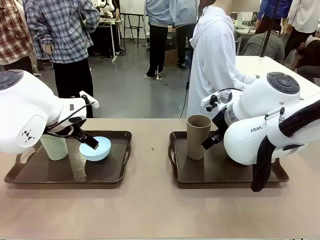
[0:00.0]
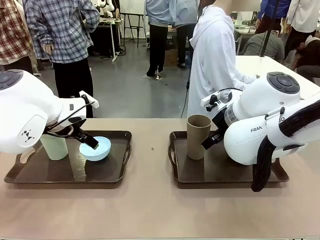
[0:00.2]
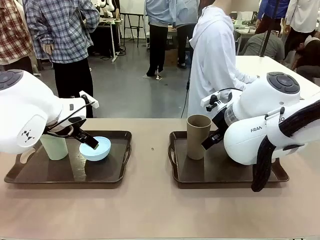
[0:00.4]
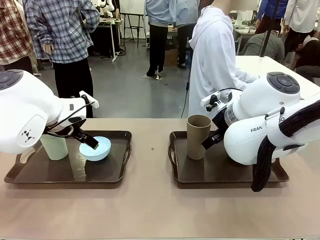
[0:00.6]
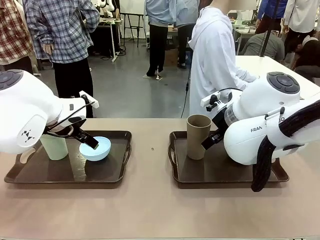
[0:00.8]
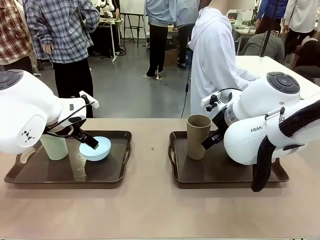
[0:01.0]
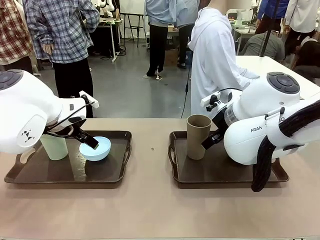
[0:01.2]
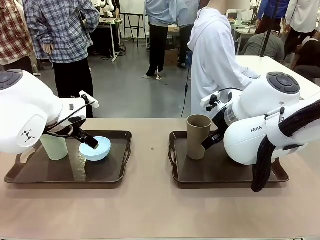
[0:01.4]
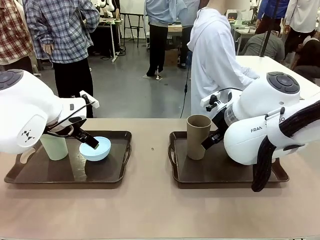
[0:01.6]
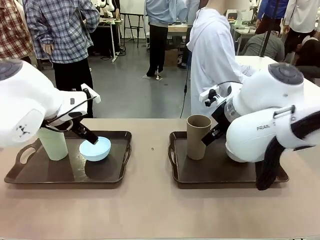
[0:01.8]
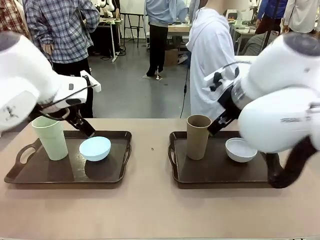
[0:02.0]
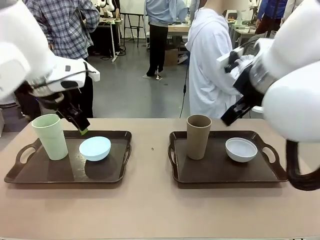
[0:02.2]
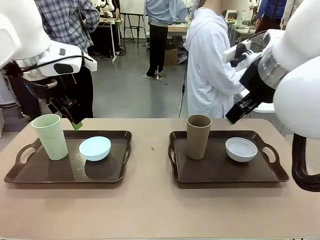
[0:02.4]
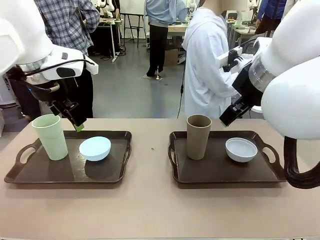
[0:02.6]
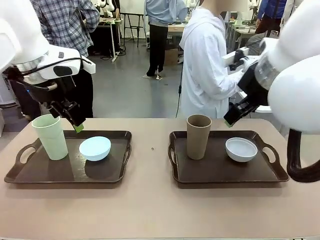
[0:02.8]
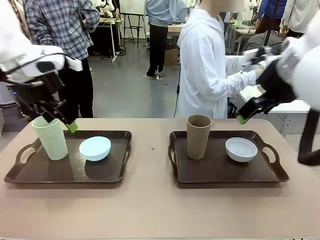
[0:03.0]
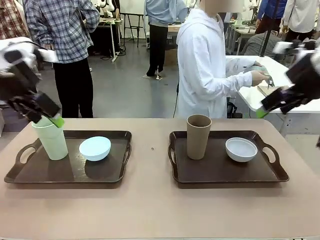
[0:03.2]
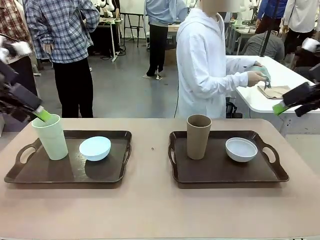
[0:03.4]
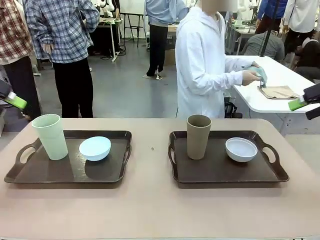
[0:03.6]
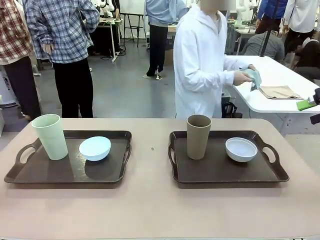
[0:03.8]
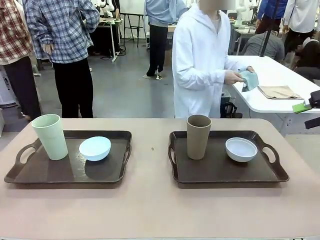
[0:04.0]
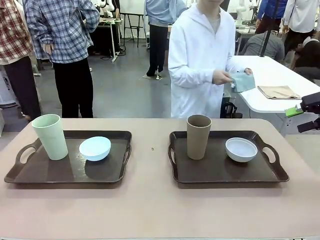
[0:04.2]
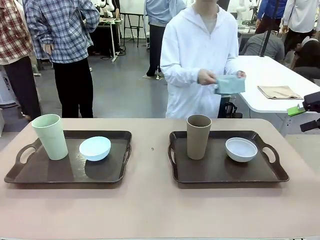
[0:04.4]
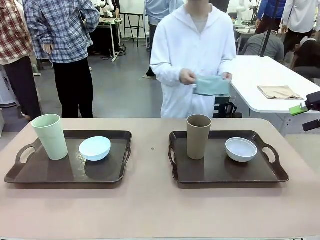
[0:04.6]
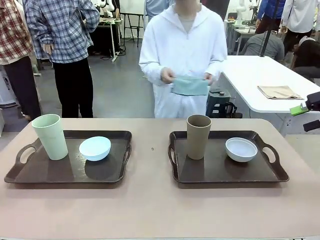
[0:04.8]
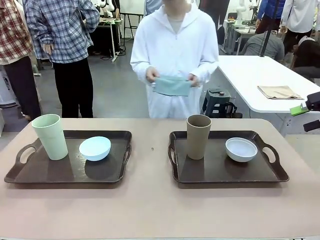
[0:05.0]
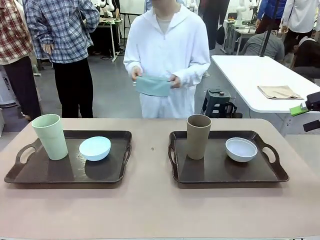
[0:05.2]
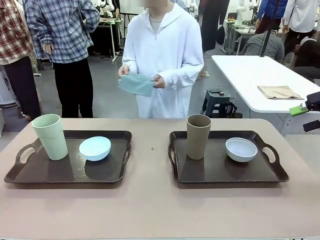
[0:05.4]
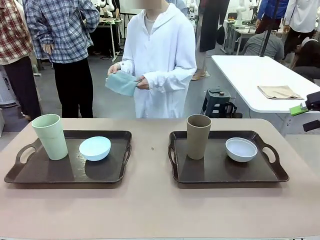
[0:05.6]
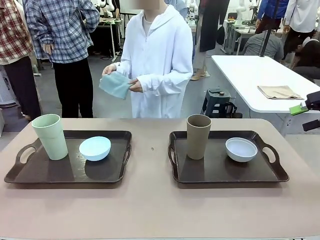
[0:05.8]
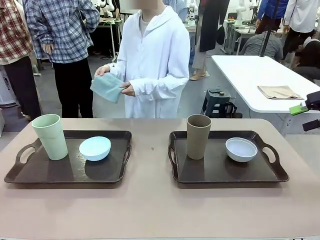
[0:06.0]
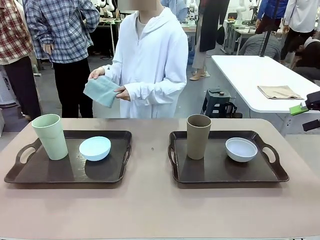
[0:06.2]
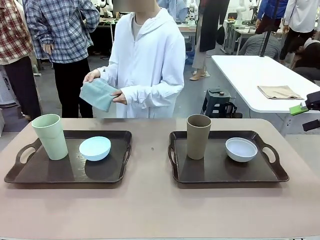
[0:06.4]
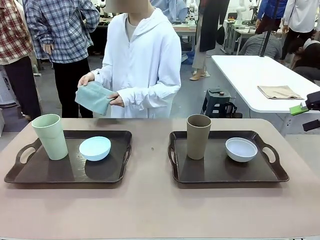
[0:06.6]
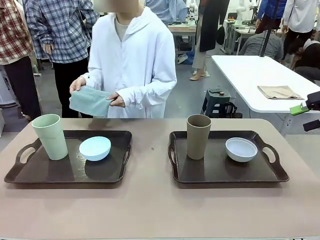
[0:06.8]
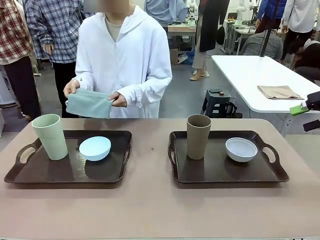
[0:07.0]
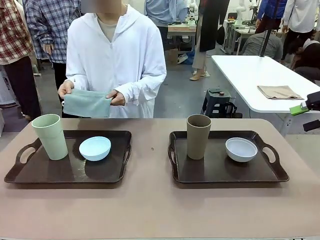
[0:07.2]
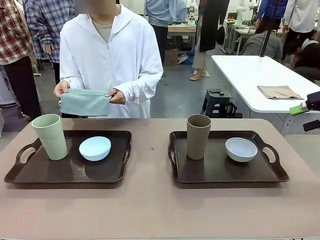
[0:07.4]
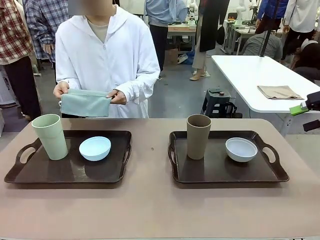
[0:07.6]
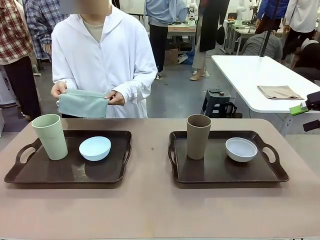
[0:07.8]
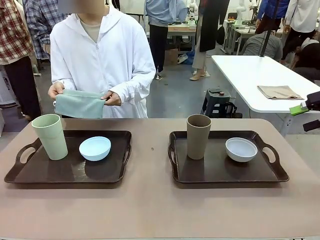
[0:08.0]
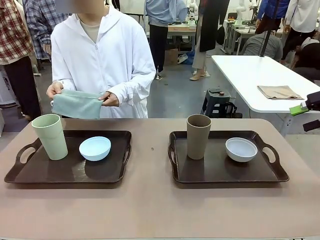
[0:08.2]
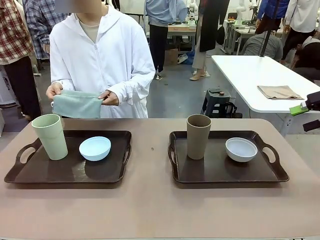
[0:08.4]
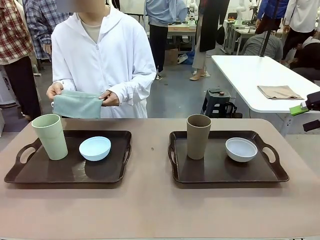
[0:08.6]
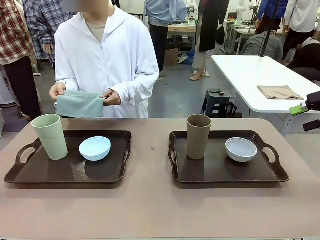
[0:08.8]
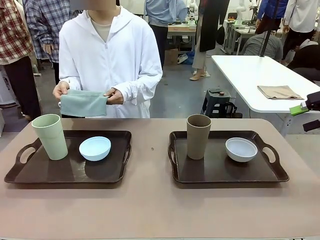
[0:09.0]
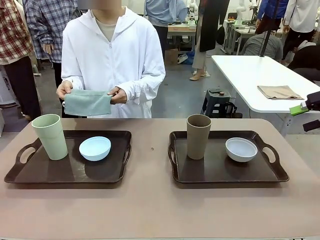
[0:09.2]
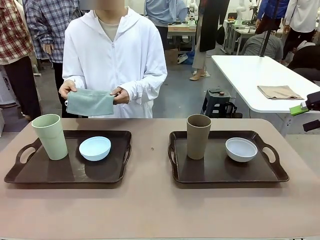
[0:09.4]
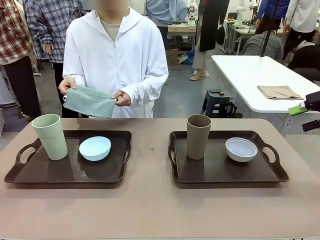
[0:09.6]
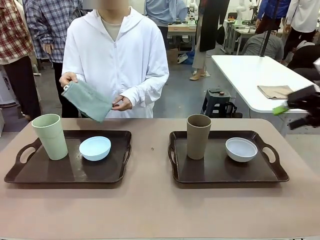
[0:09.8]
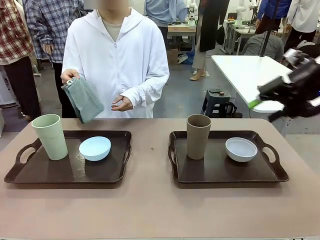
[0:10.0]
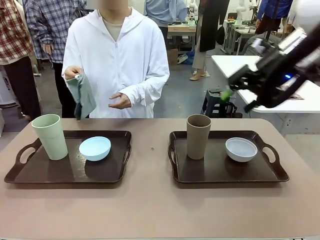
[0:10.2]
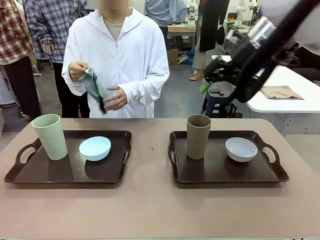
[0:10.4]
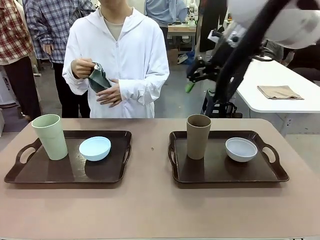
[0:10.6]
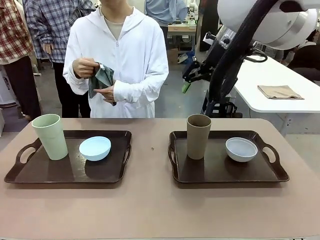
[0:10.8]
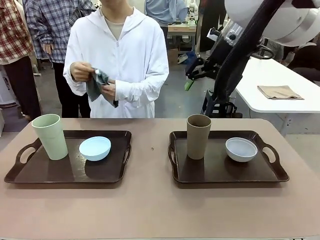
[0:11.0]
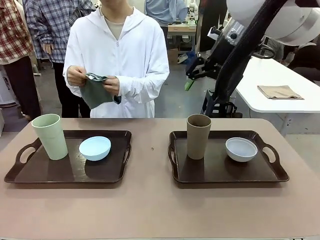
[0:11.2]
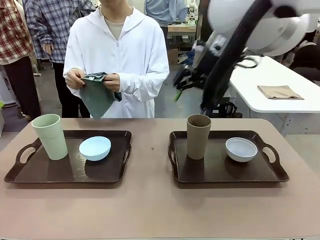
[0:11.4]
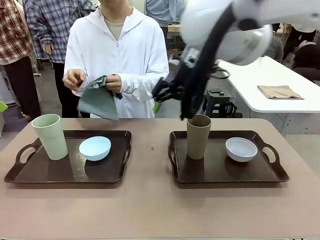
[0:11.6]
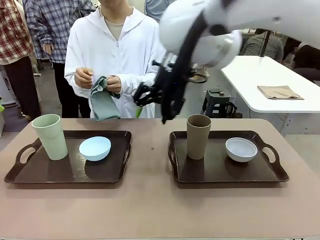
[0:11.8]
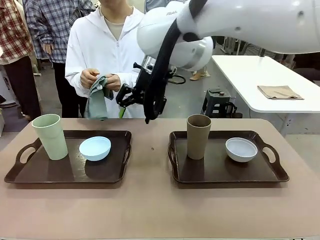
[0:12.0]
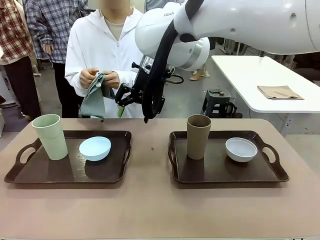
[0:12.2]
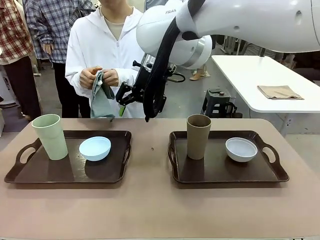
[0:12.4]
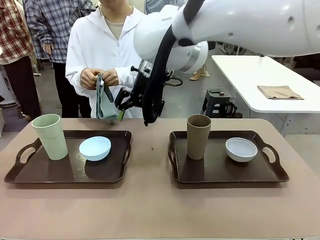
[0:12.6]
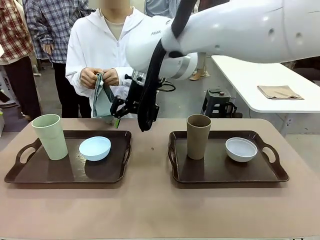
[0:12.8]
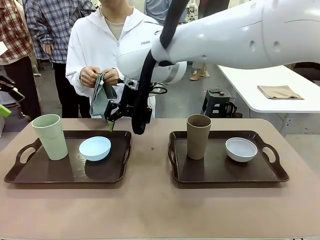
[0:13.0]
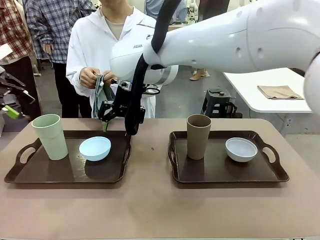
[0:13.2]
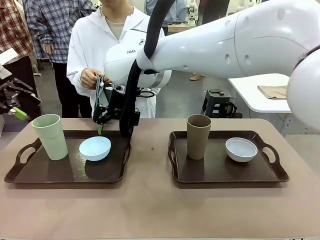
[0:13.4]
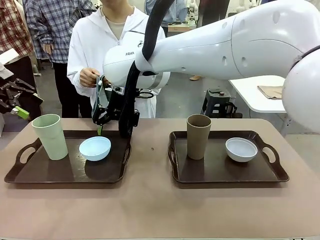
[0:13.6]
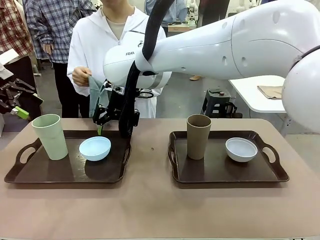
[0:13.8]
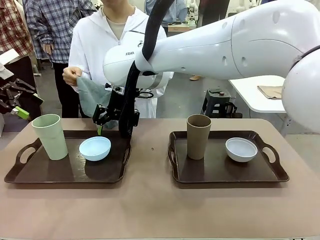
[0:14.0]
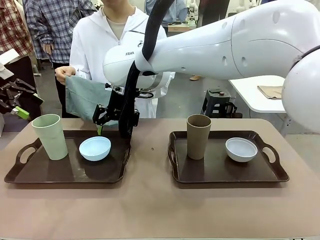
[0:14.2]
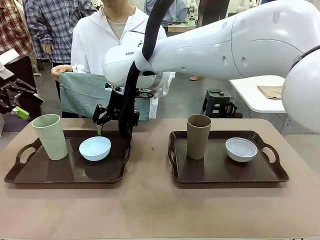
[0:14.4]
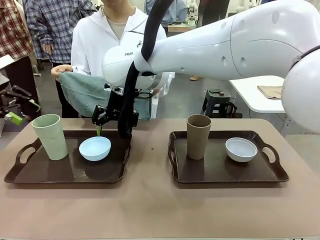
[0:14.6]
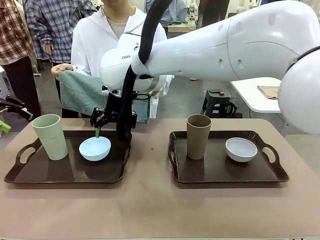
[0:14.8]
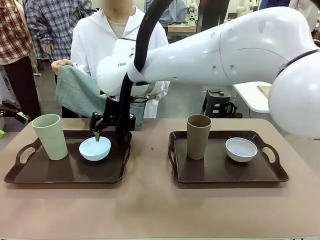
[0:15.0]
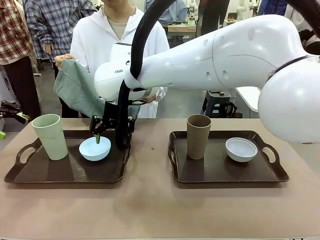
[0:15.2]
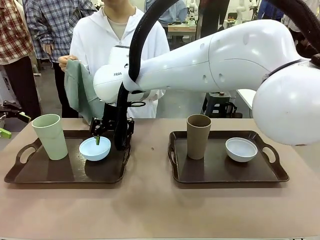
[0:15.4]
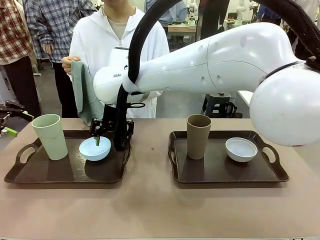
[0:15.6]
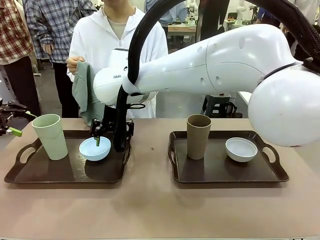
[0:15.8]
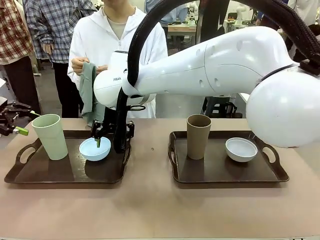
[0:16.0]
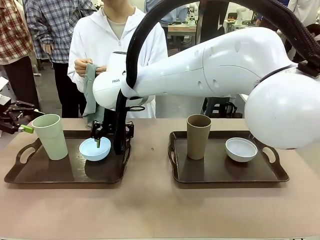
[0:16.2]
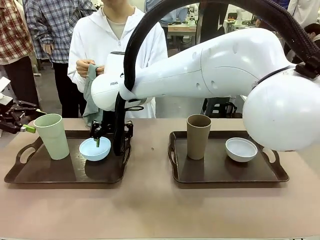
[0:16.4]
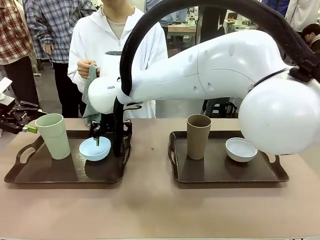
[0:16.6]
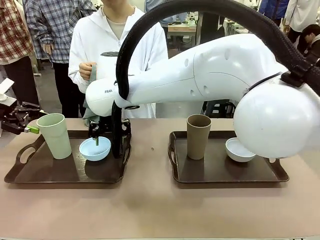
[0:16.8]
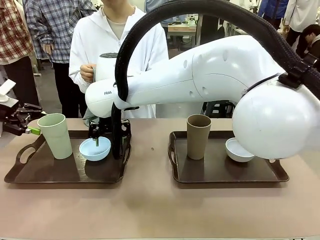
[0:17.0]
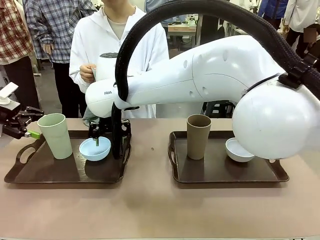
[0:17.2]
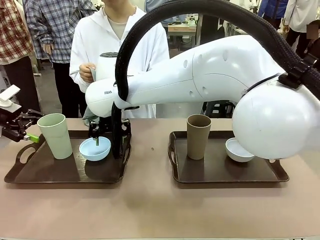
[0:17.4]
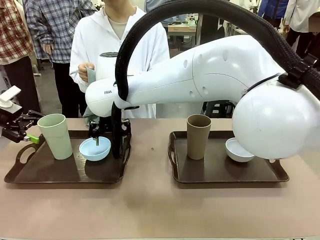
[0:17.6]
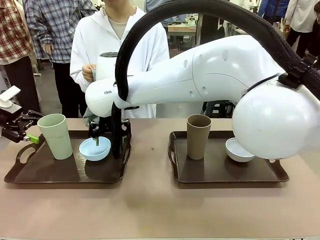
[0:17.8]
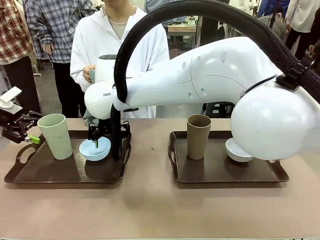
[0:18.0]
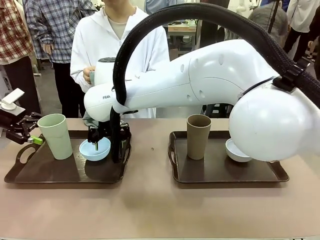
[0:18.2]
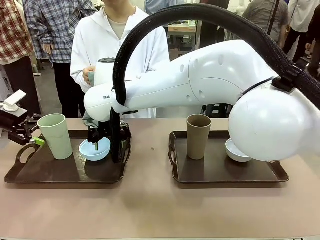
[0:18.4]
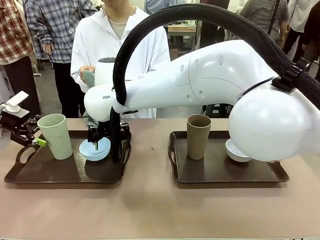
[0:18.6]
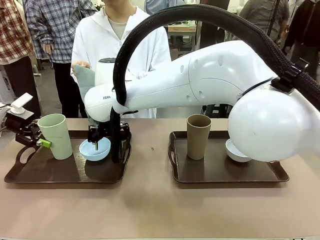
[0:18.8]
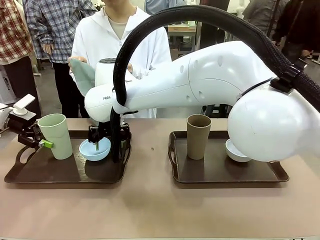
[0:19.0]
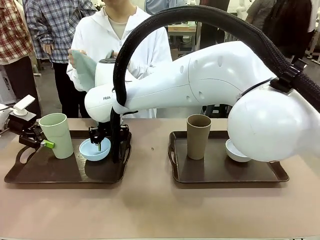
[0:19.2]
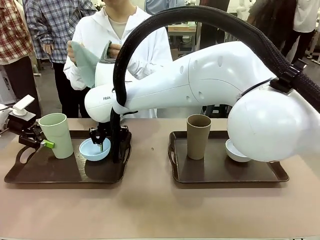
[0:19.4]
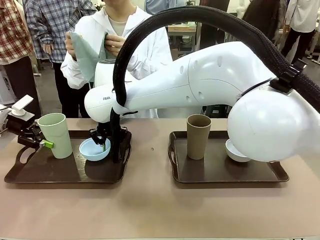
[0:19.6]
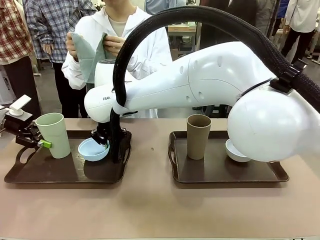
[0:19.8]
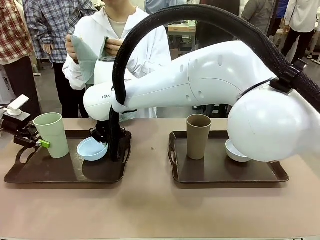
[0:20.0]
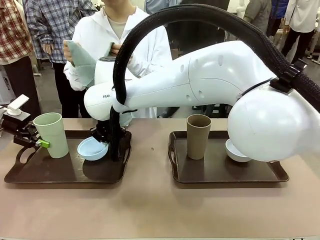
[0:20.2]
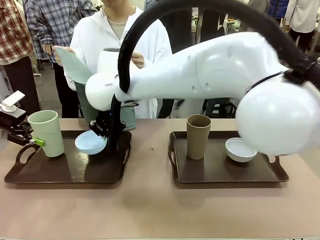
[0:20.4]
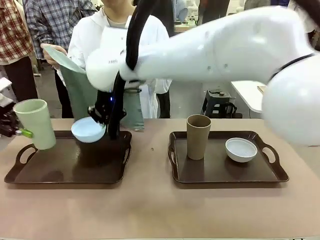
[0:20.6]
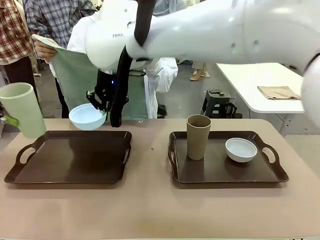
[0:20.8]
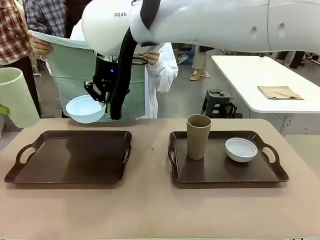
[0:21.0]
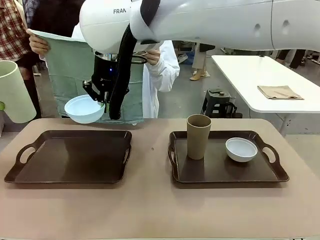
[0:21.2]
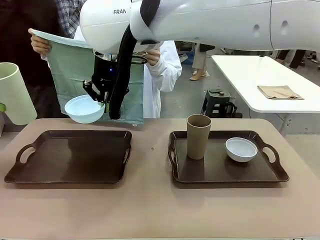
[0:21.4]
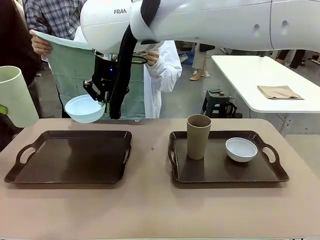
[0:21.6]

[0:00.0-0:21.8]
Robot: Pick up the Picnic Bowl and Reusable plastic cup from the Handle tray in front of the human's position and hold them in the air.
Person: The human picks up the top napkin from the stack on the human table and walks to the robot table to stand in front of one of the two trays. When the robot lifts the bowl and the cup, the human unfolds the napkin and lays the napkin flat on the tray.
